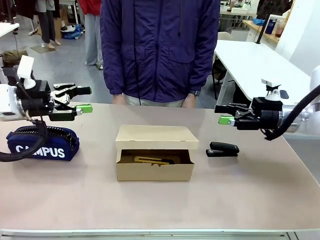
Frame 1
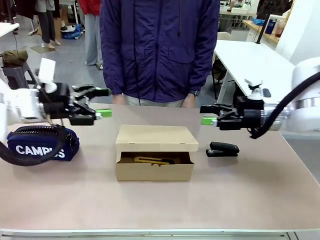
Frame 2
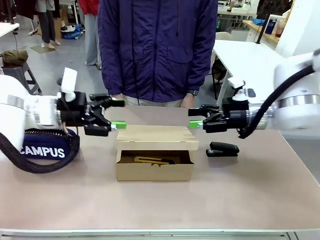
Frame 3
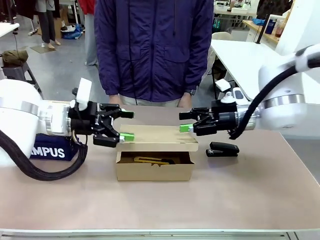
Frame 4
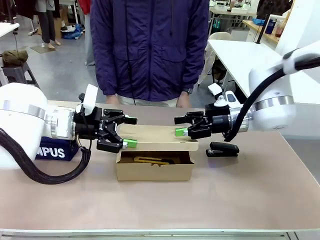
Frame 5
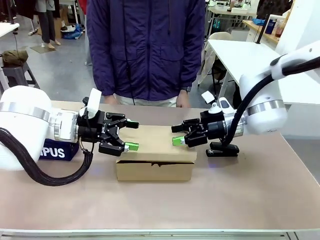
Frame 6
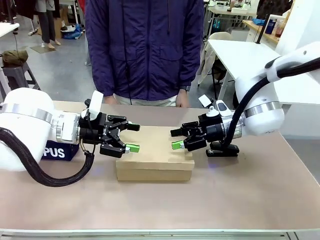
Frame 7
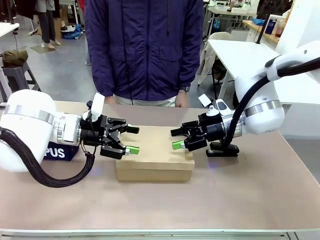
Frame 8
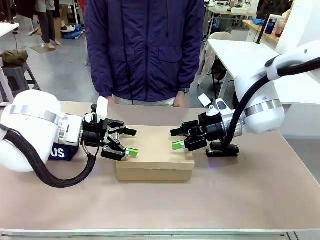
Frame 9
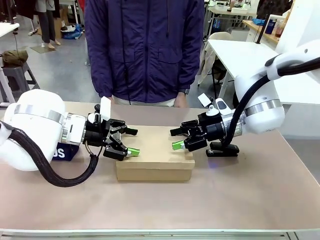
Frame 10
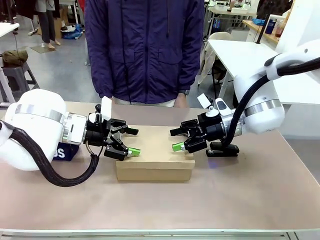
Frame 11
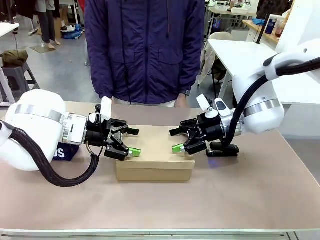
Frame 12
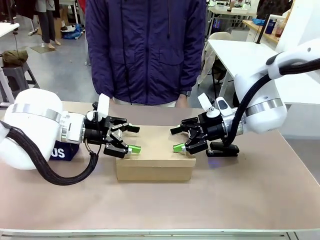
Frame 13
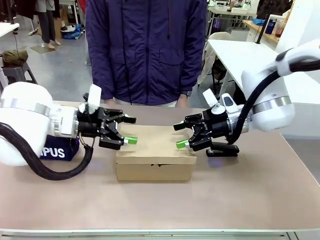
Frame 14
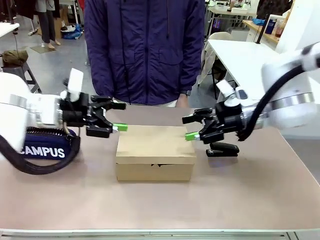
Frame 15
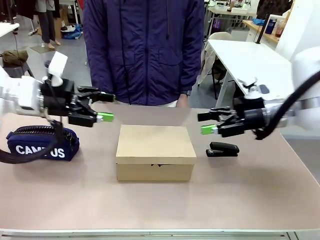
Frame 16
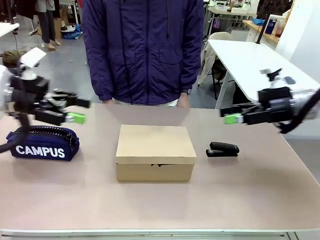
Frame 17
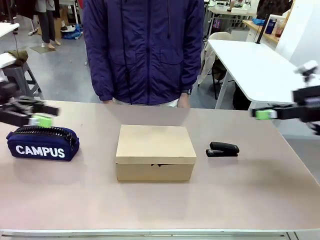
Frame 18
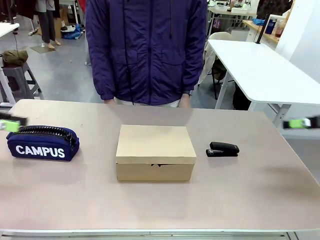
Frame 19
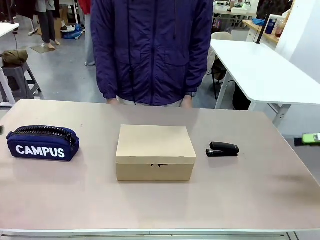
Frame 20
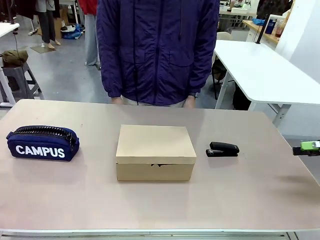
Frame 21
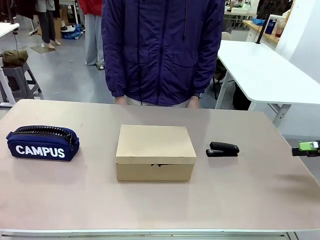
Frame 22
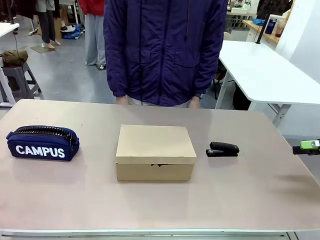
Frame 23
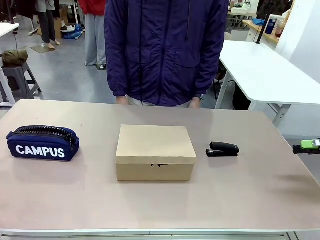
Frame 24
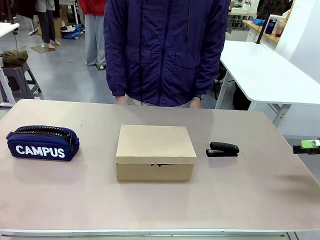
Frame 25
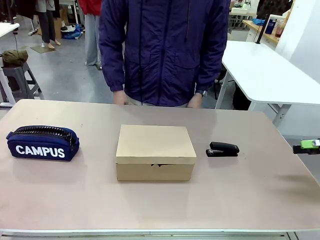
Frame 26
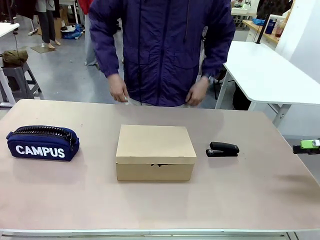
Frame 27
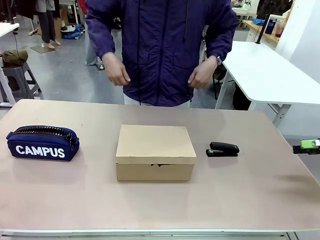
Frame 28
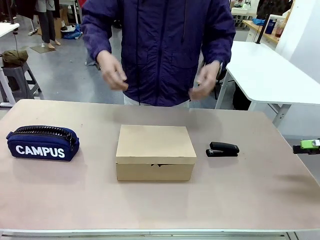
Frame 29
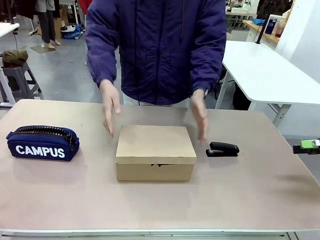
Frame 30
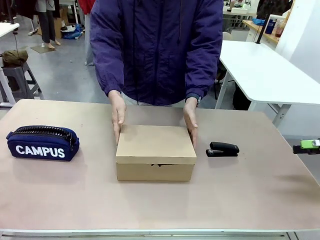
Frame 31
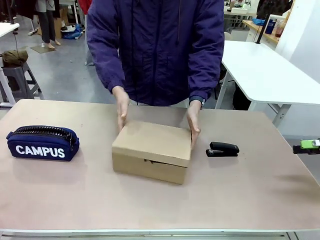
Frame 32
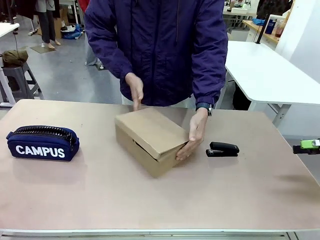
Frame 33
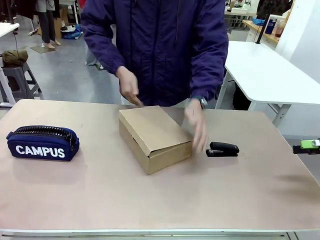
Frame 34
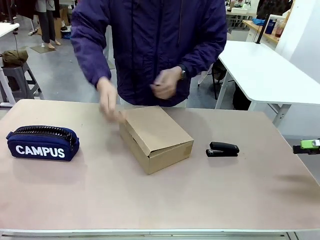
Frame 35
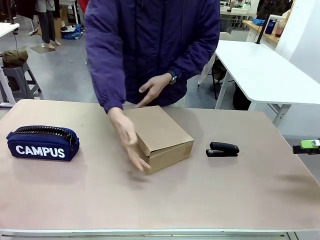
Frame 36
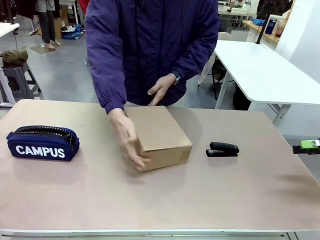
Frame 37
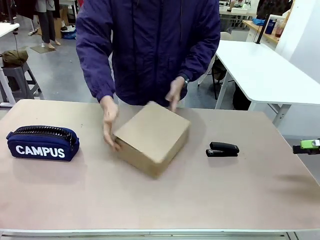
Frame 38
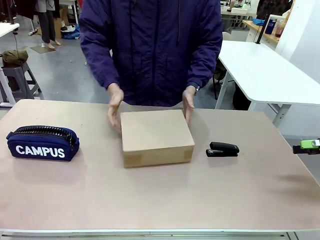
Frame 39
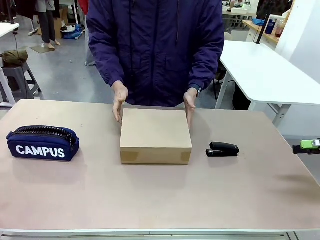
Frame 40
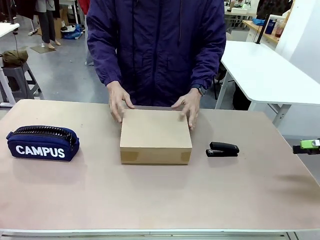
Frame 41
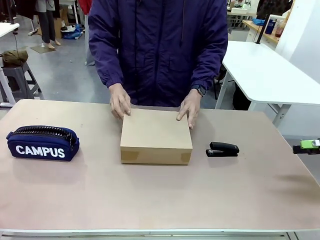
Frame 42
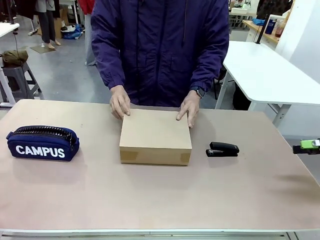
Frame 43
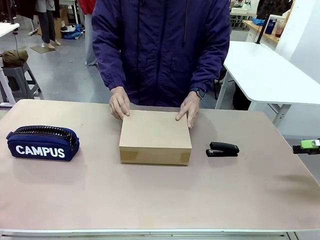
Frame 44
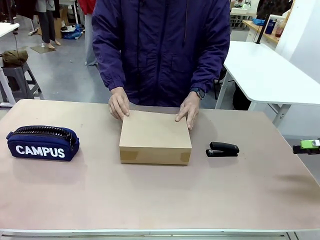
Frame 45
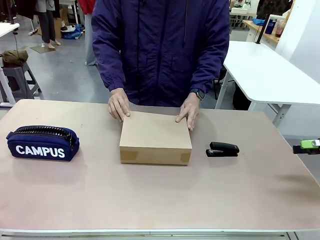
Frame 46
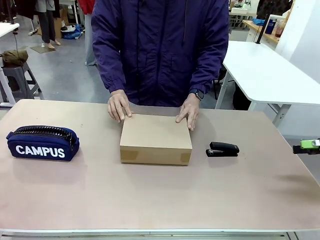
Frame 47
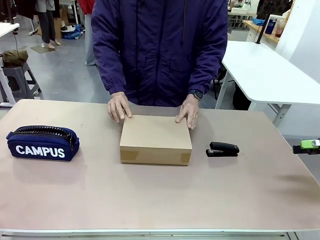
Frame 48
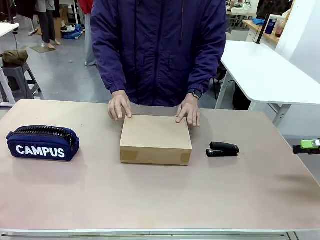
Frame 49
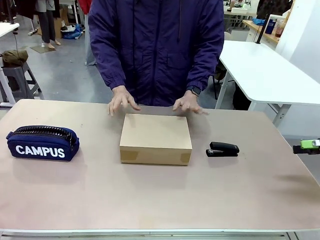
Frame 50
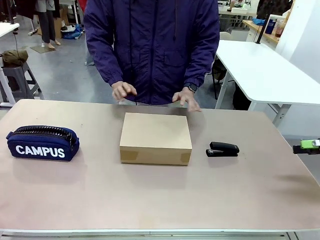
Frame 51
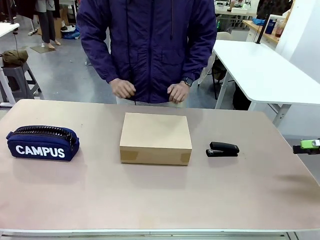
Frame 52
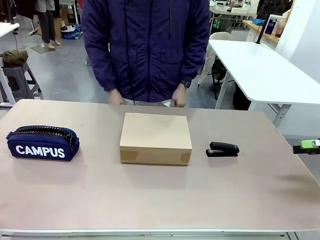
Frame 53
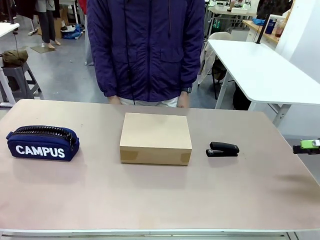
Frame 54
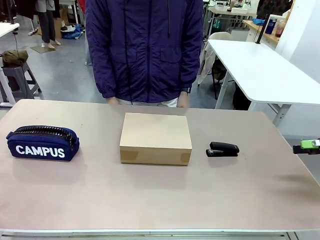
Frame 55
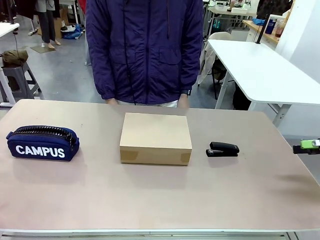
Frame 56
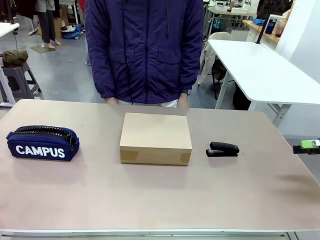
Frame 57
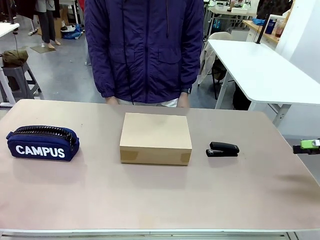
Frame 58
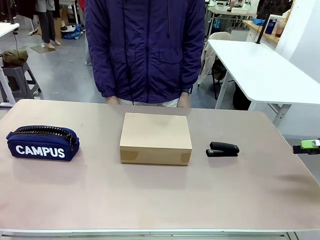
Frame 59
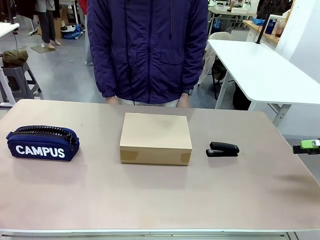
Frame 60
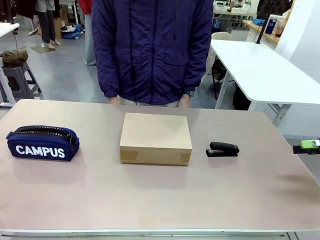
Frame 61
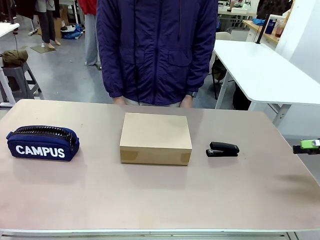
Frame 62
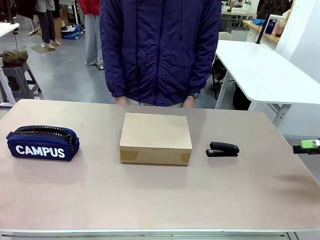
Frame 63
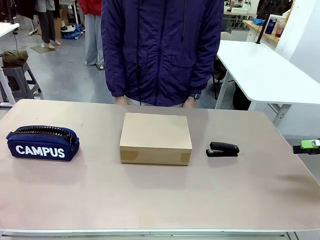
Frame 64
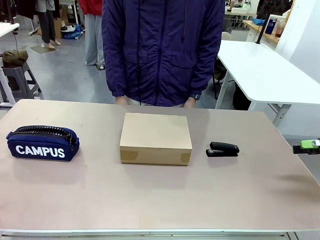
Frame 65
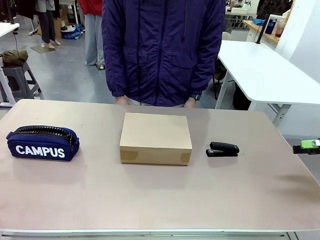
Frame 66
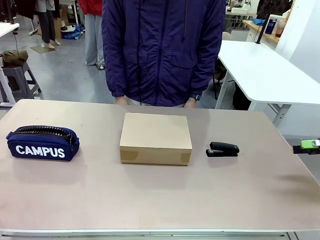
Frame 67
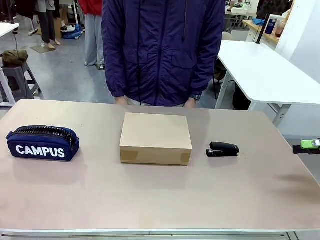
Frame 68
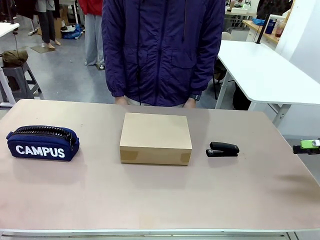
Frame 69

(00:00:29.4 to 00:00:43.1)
Task: Pack the item into the box.
Robot: Close the Mailer Box.
Person: Turn the box and lock it.

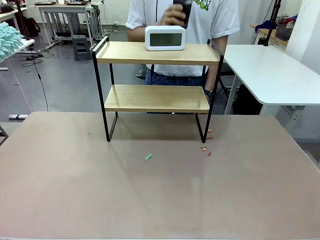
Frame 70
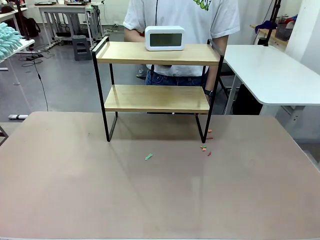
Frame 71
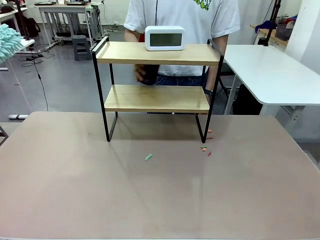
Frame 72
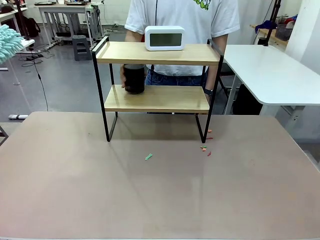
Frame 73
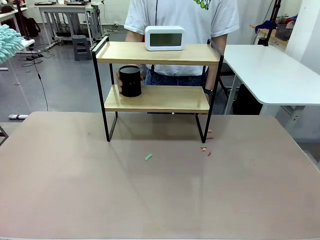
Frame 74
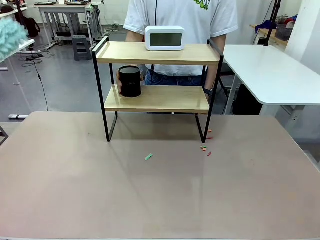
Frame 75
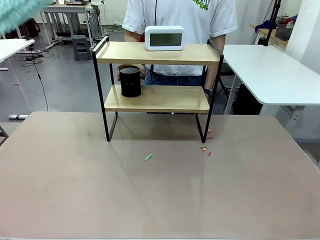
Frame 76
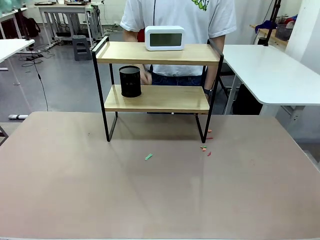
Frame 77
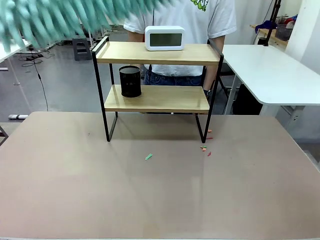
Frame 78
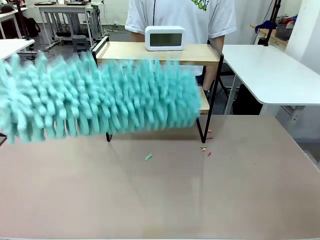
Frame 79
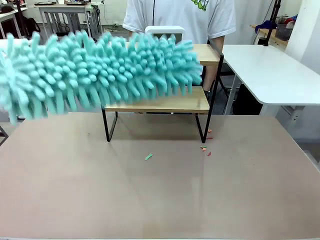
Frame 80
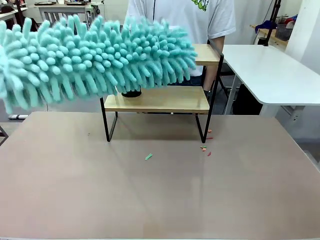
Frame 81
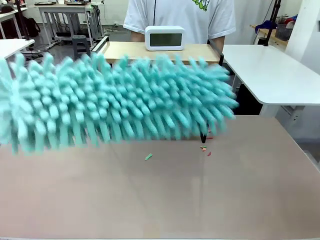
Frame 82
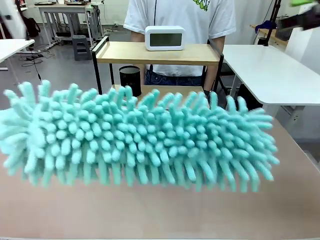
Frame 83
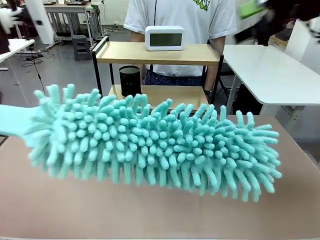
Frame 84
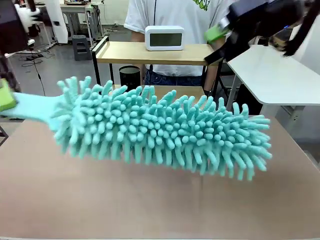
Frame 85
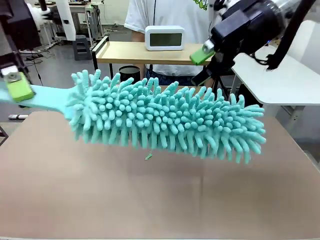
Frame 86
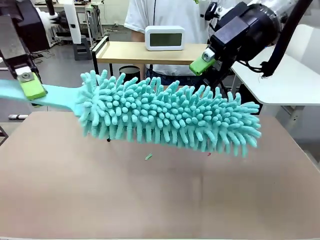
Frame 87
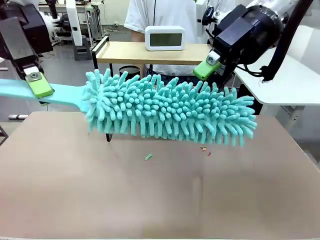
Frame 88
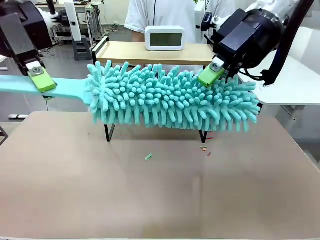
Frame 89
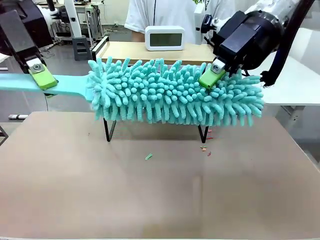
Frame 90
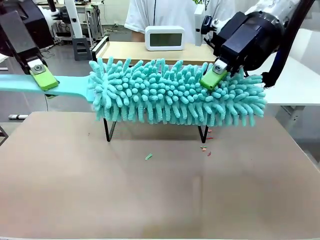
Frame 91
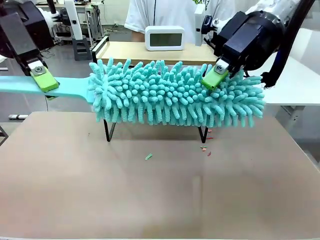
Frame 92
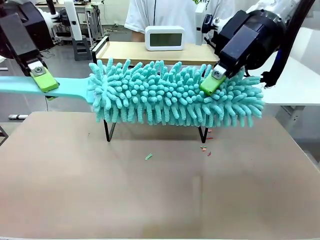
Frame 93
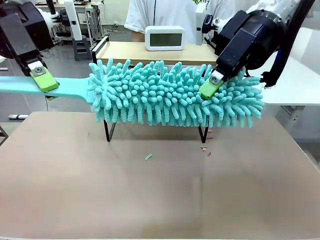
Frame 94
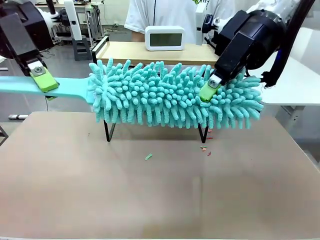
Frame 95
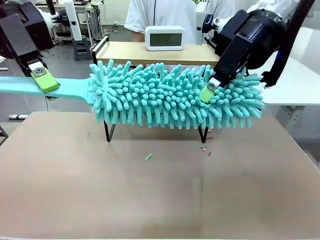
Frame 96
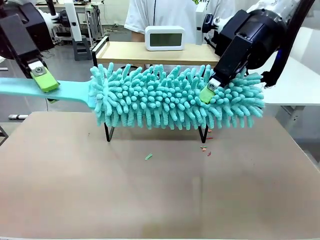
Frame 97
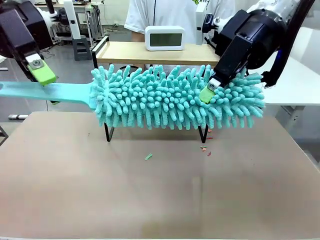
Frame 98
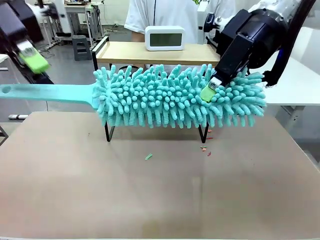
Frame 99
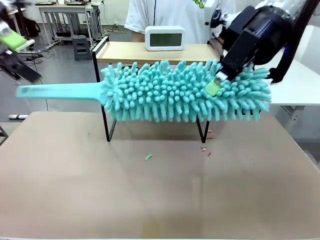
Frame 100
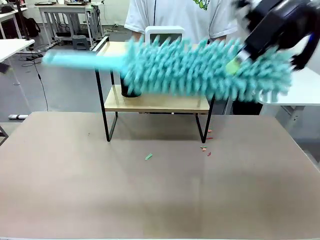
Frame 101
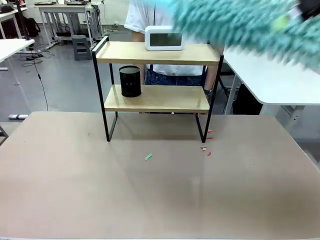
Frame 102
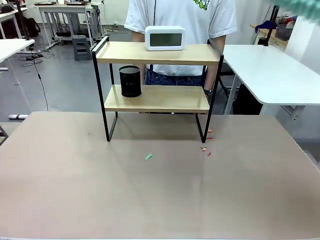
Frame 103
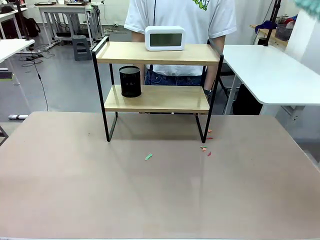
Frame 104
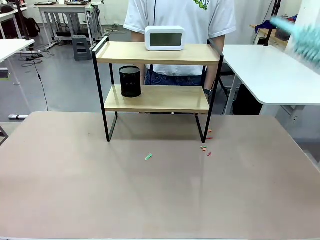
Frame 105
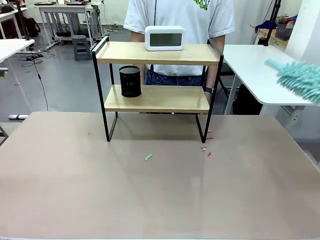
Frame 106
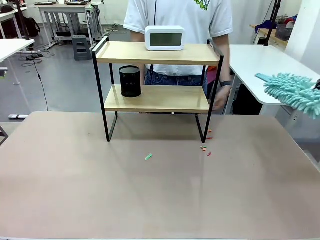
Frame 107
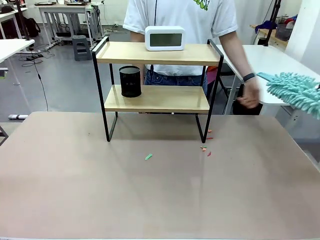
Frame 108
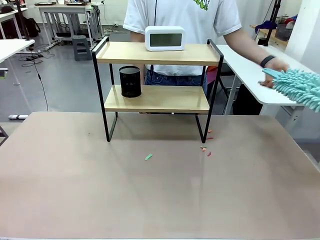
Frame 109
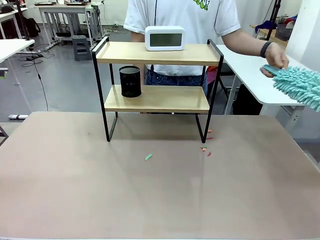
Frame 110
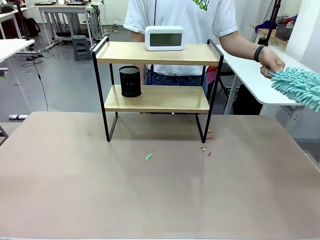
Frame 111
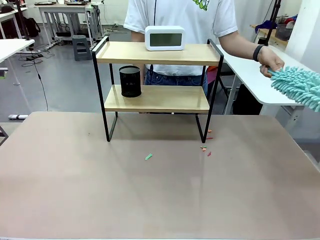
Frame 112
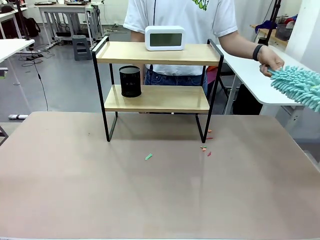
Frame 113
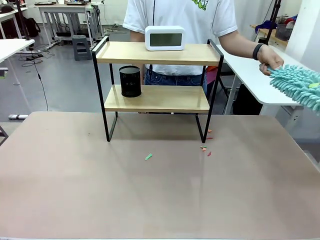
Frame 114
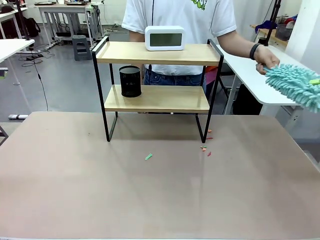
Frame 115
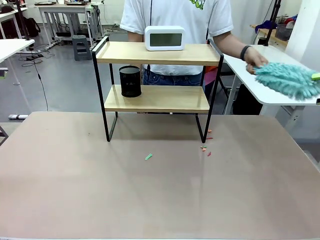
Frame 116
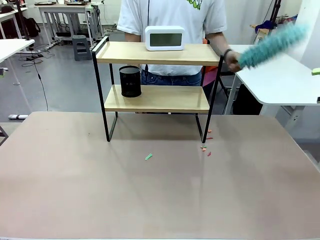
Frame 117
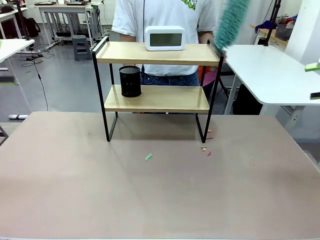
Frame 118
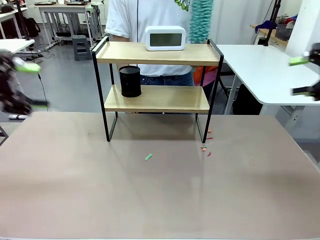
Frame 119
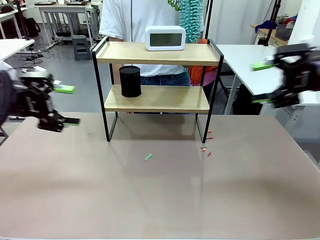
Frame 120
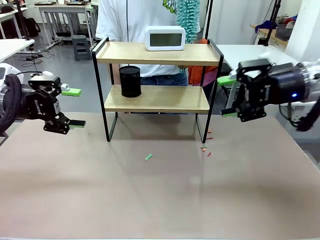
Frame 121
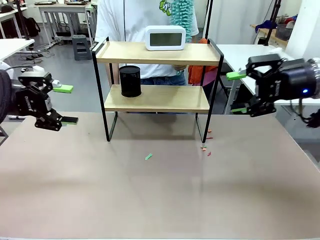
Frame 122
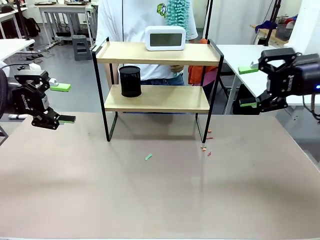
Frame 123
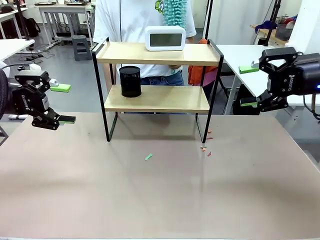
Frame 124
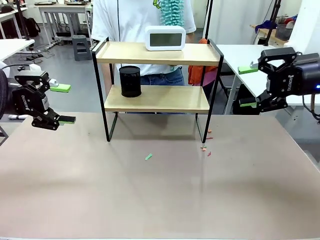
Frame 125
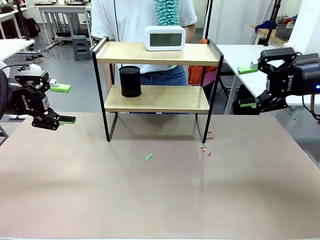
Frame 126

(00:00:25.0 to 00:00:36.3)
Task: Clean the shelf.
Robot: Hand the Duster back to the human.
Person: Receive the Duster from the robot.
